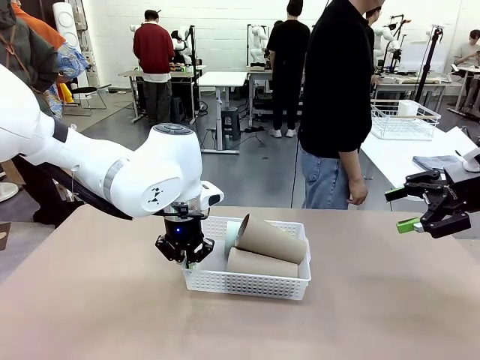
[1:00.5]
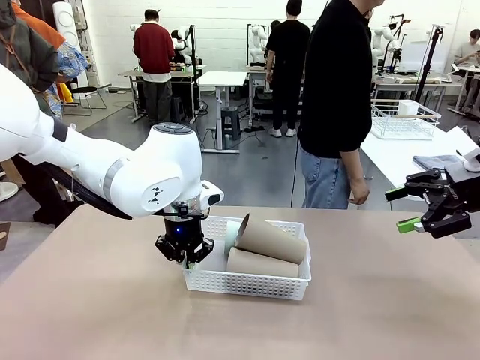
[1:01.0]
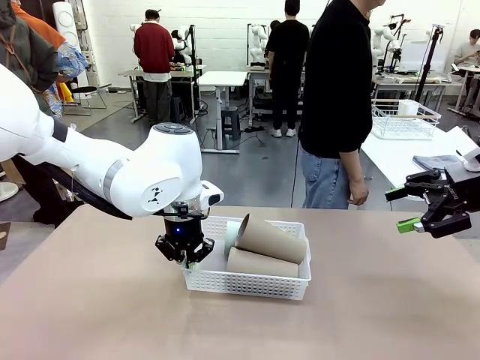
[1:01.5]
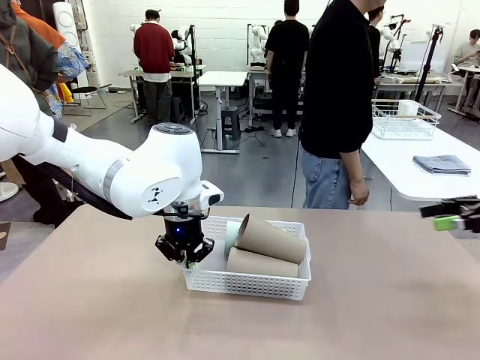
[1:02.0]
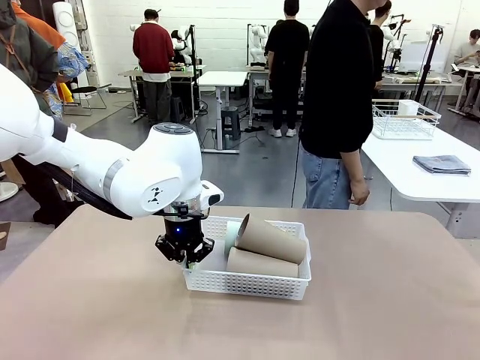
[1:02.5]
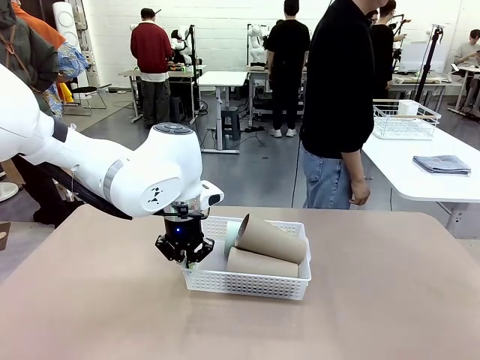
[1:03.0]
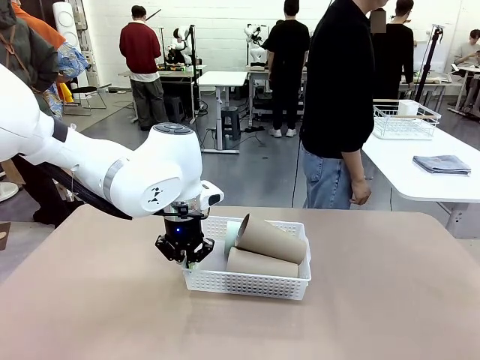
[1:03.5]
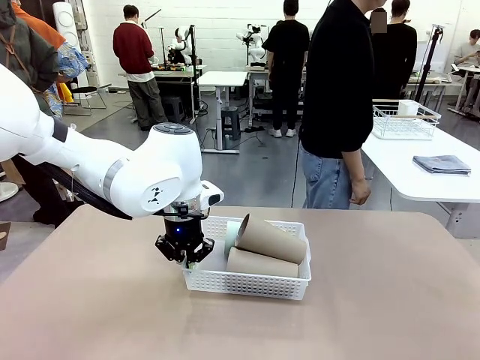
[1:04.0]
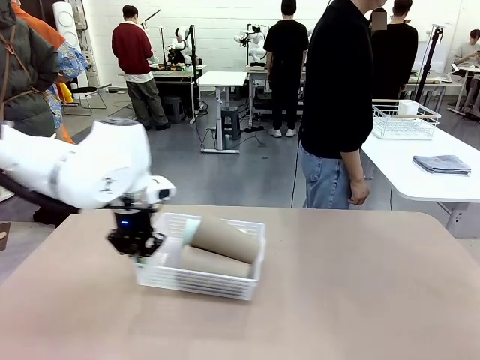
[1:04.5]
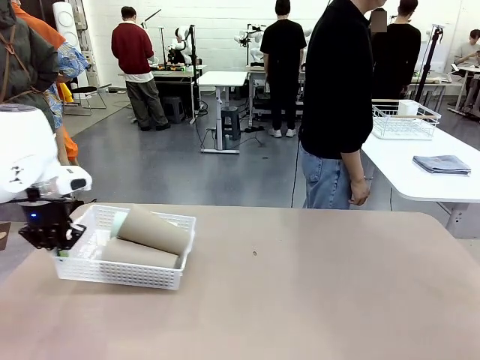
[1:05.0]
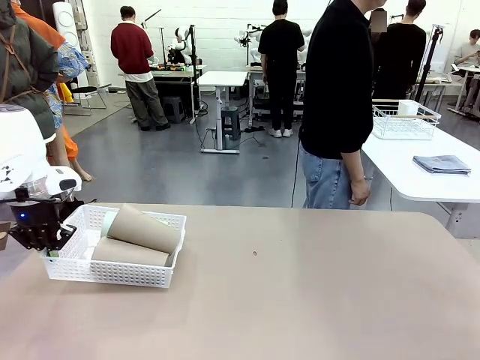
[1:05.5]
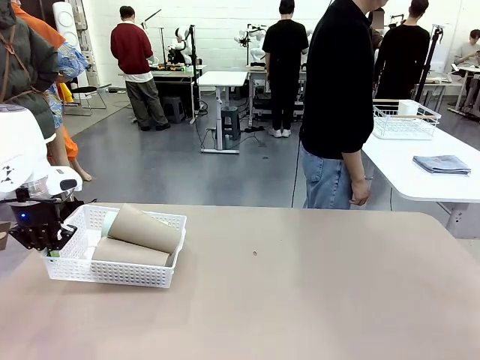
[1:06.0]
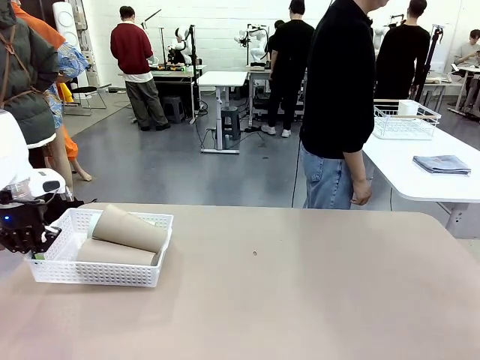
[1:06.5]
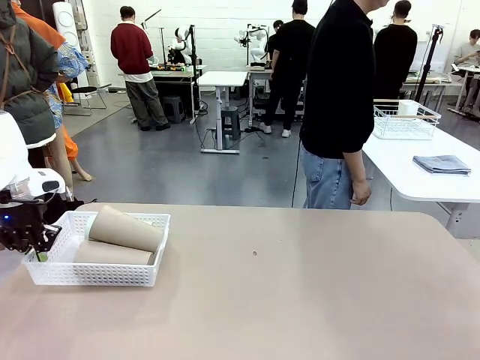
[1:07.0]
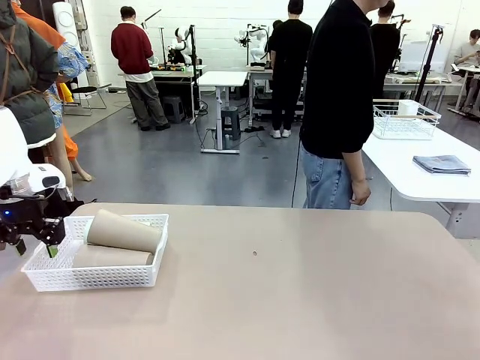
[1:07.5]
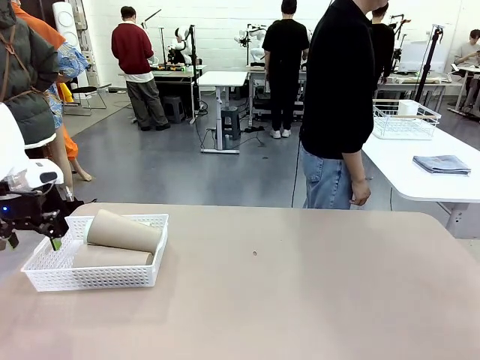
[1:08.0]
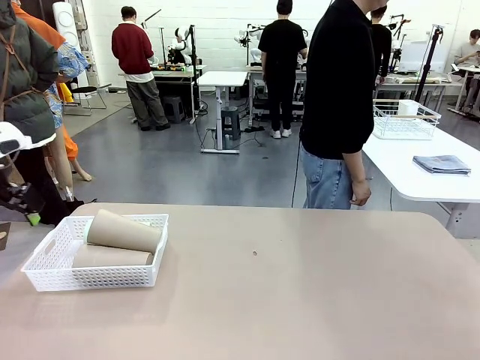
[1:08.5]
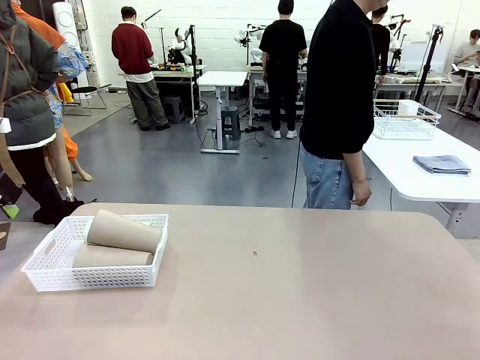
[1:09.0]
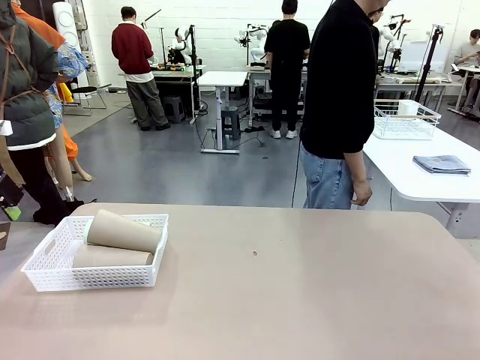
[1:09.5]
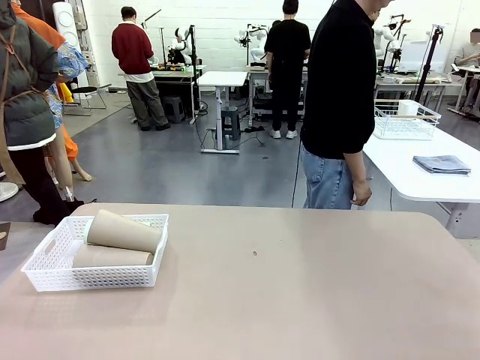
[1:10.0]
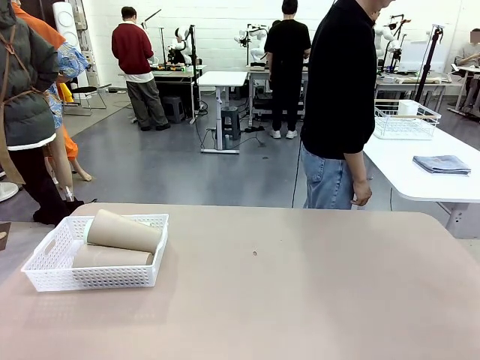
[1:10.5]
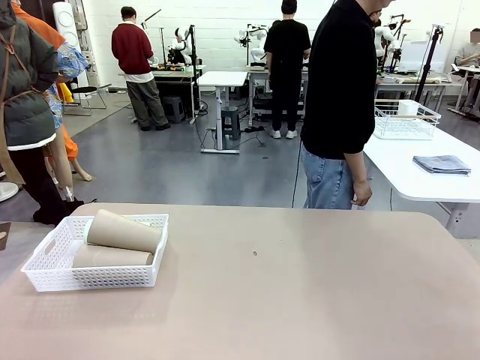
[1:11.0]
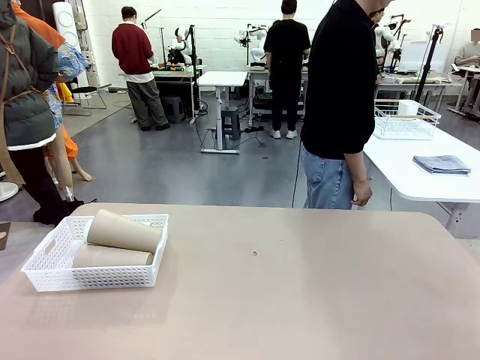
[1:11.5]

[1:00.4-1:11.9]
Task: Clean and organize the cups into the basket.
Robot: Move the Organizing basket back to the left side of the table.

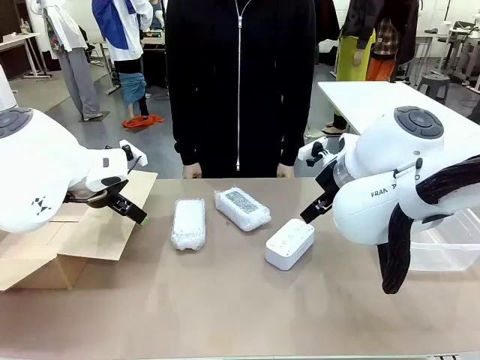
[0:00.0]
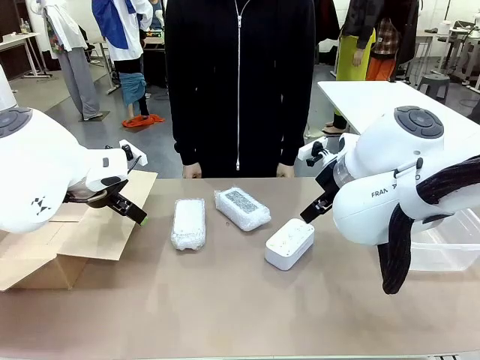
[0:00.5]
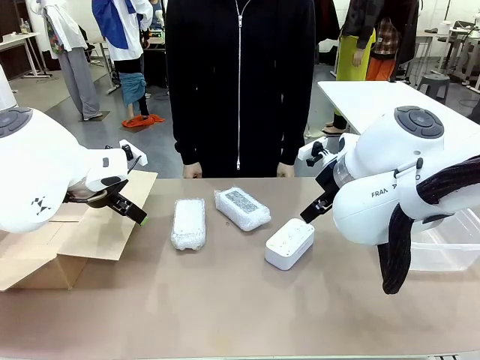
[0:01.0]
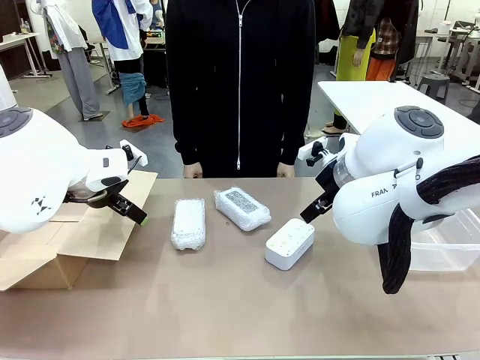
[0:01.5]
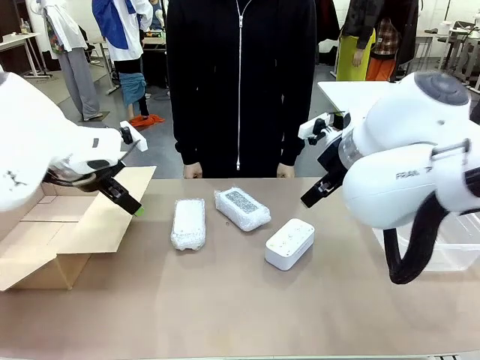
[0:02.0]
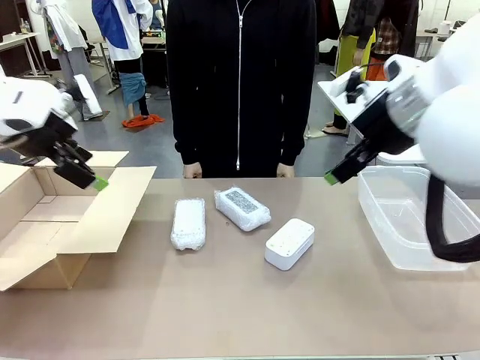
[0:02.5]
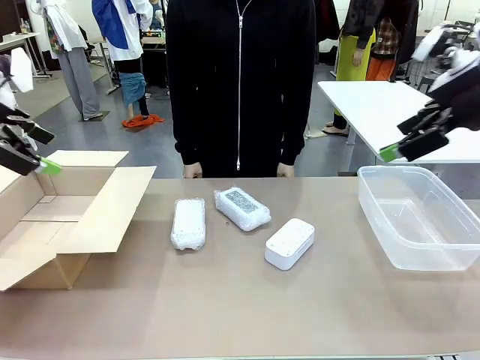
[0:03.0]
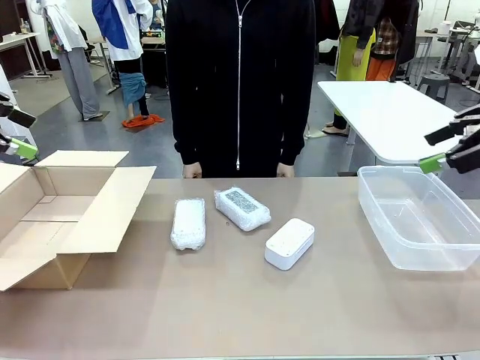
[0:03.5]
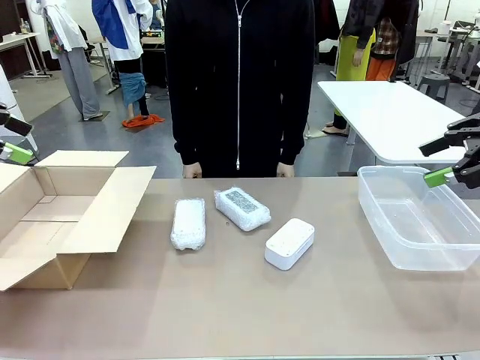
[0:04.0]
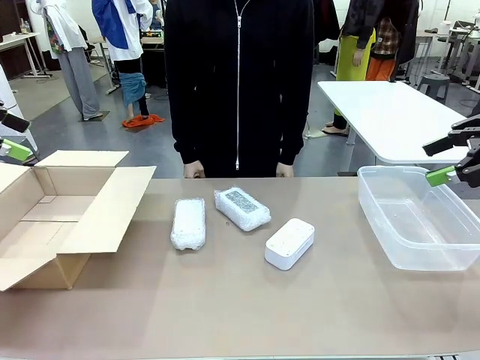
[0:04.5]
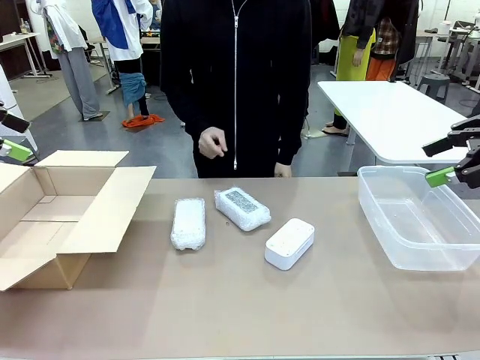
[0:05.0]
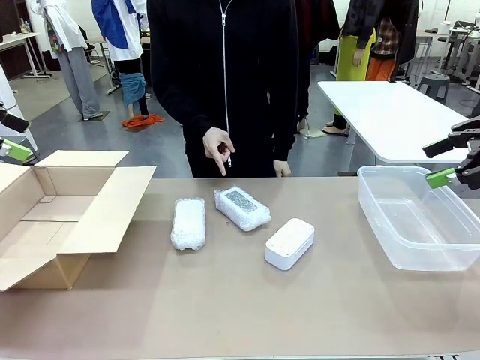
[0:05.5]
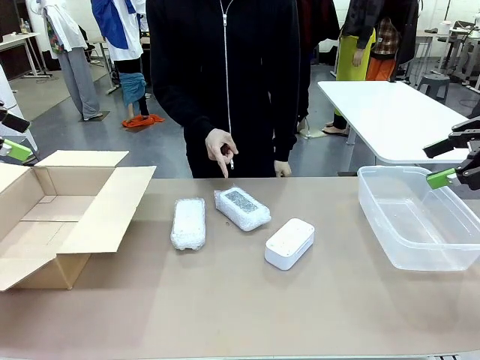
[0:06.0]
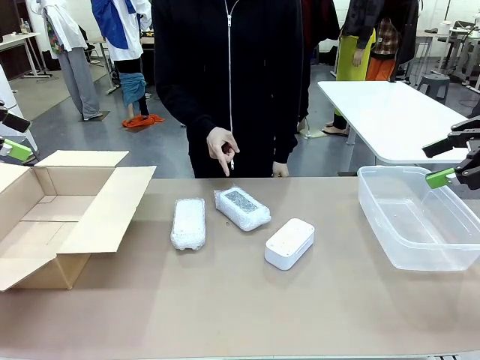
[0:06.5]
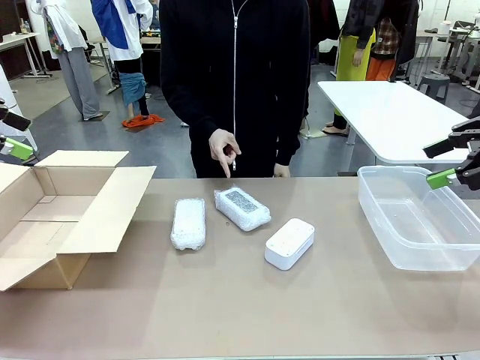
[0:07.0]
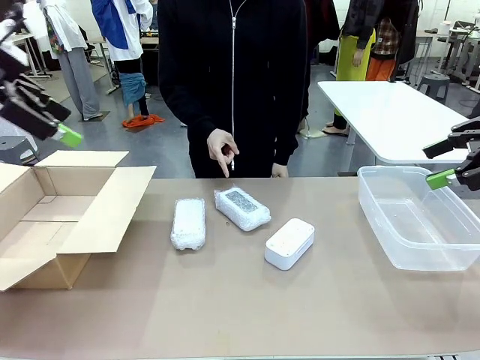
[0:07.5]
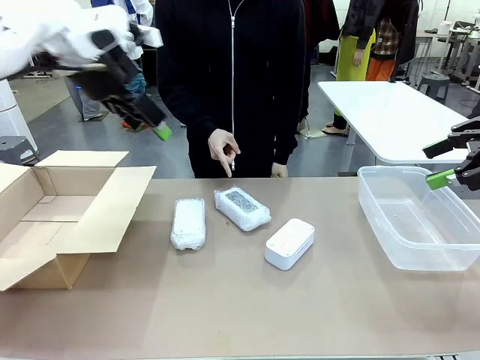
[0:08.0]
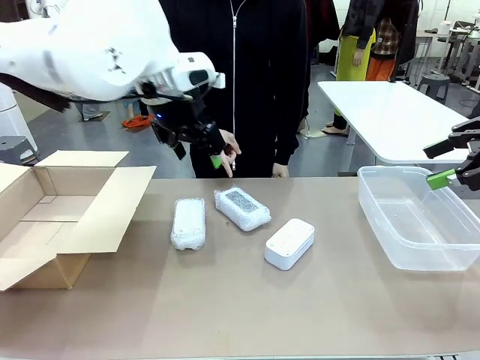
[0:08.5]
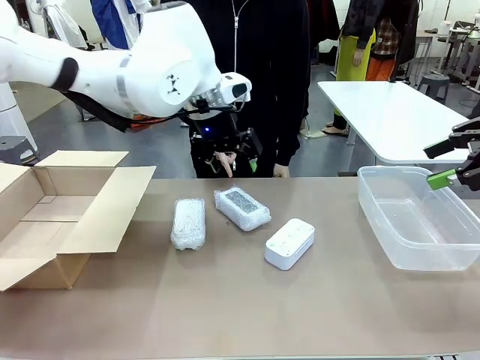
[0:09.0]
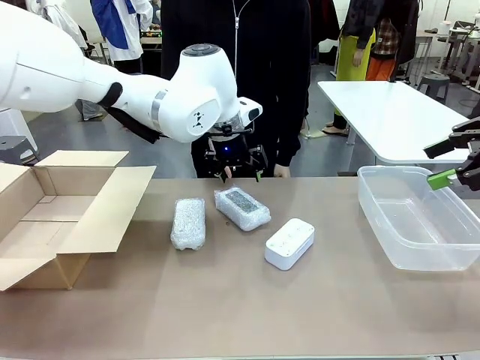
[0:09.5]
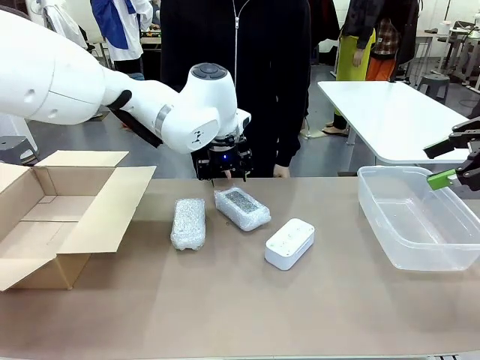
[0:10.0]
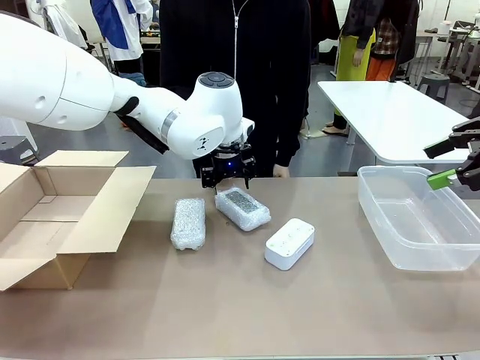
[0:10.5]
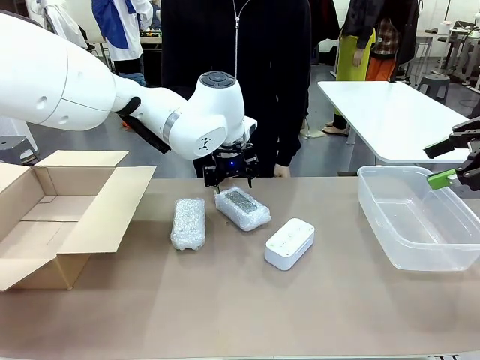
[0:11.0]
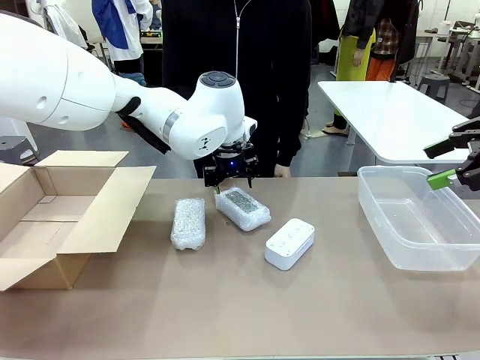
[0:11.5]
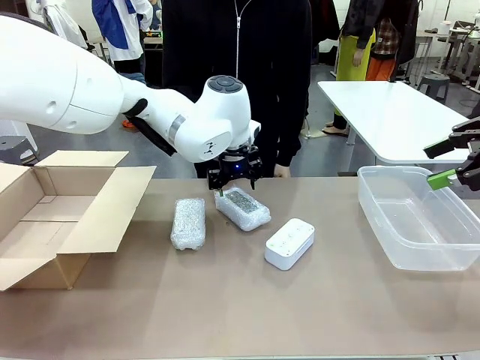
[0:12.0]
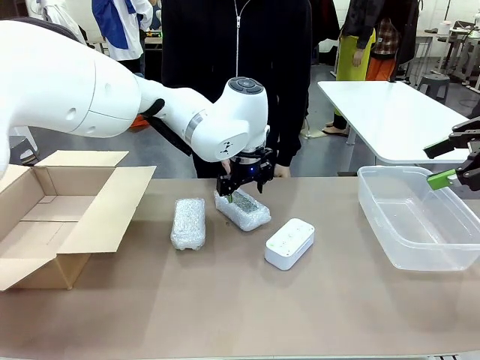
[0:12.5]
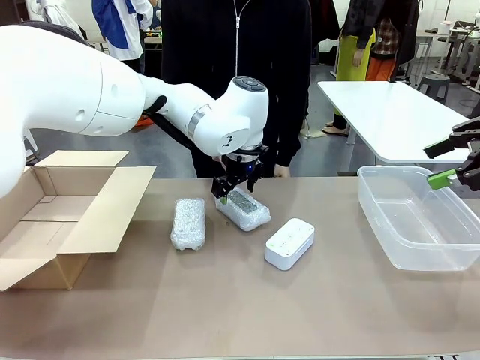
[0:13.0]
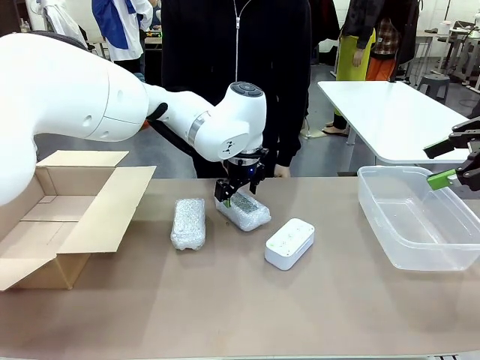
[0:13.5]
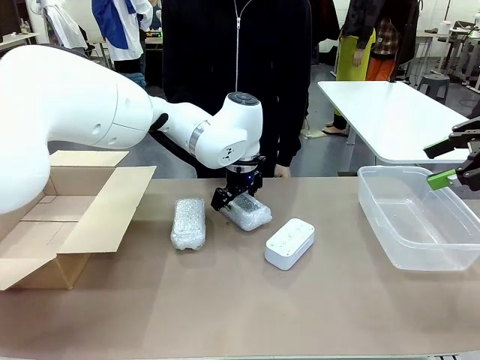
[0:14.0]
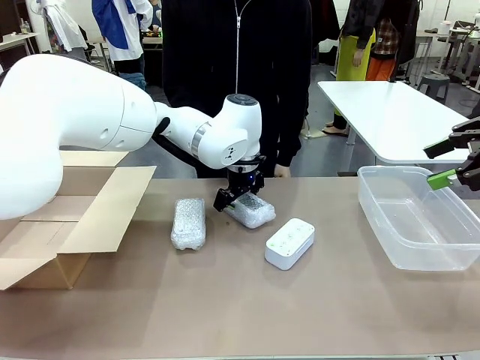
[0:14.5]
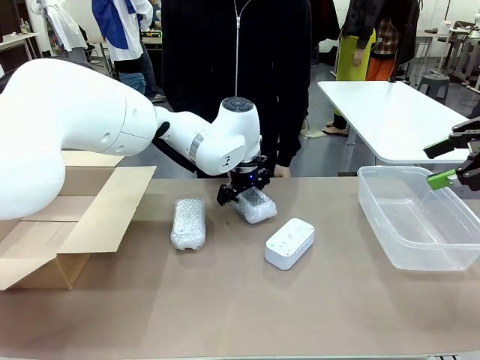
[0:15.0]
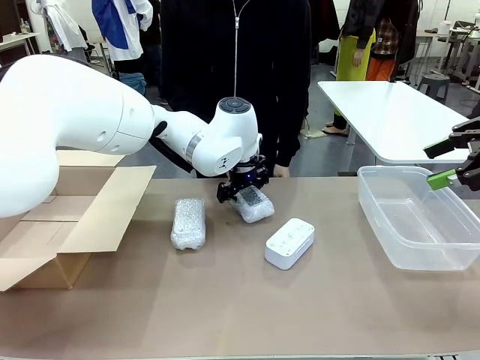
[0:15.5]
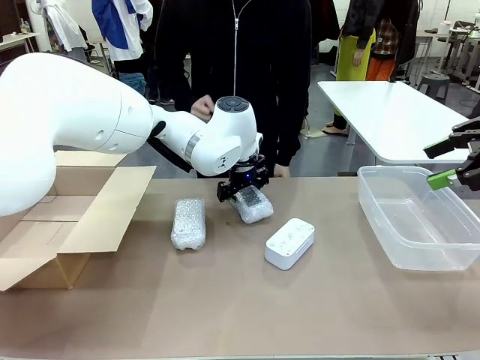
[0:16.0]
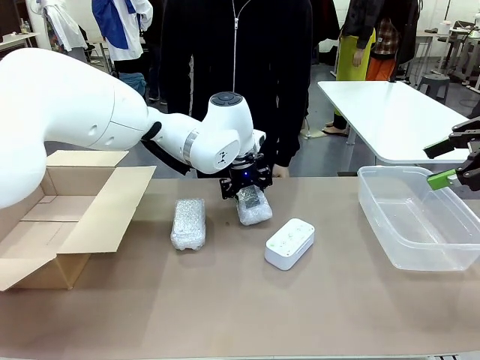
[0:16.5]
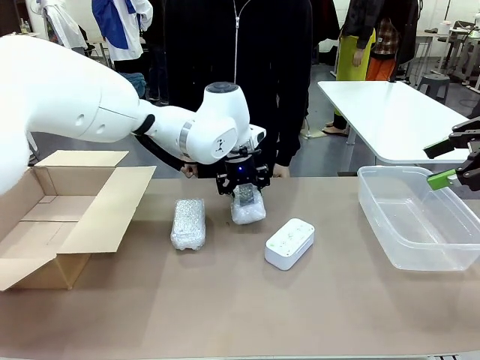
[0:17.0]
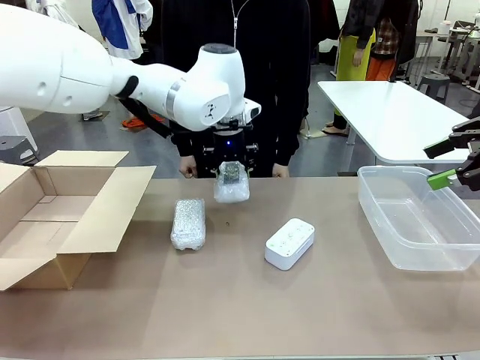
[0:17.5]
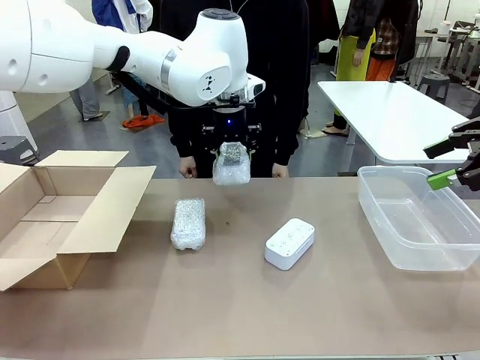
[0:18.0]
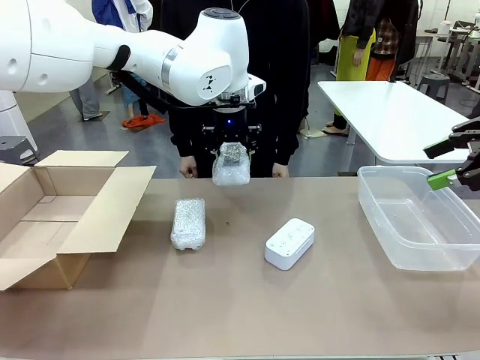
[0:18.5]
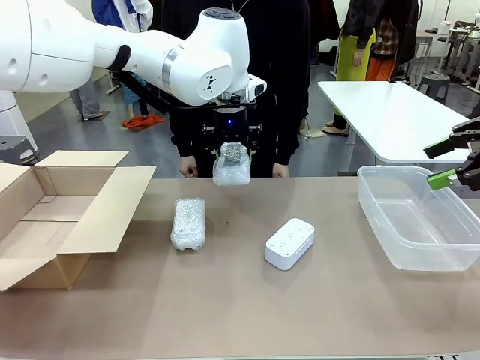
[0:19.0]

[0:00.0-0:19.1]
Task: Separate and place wrapped and unwrapped clocks.
Robot: Pick up the Digital clock indicated by the person.
